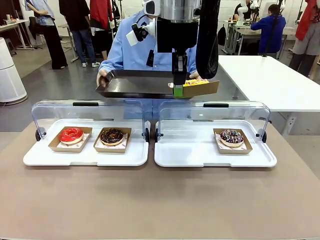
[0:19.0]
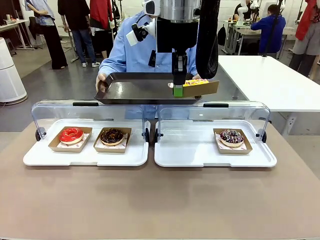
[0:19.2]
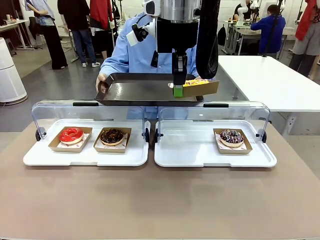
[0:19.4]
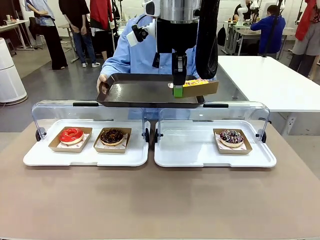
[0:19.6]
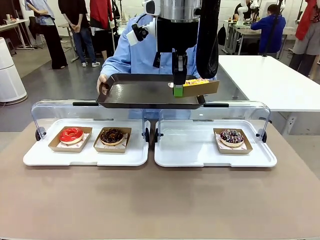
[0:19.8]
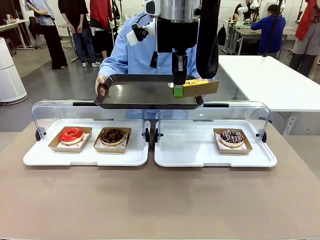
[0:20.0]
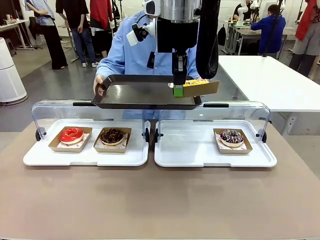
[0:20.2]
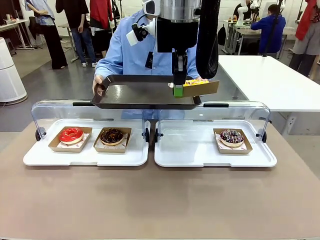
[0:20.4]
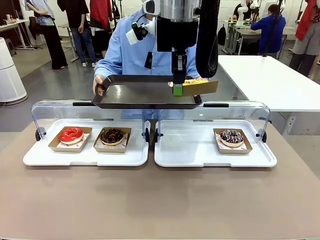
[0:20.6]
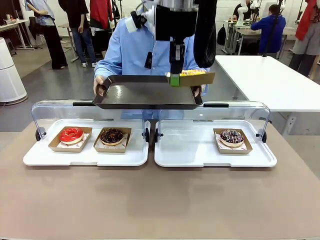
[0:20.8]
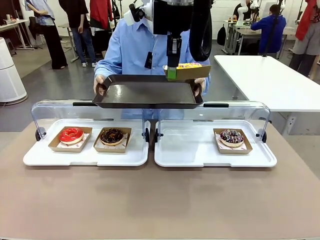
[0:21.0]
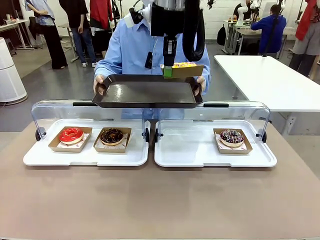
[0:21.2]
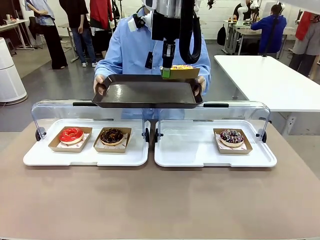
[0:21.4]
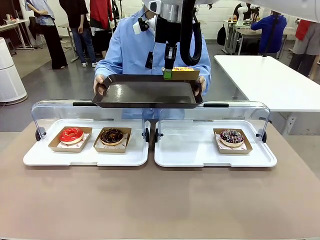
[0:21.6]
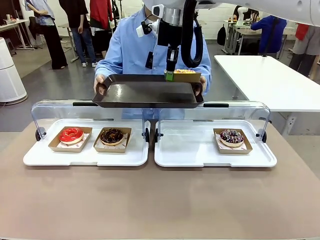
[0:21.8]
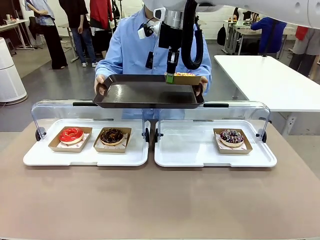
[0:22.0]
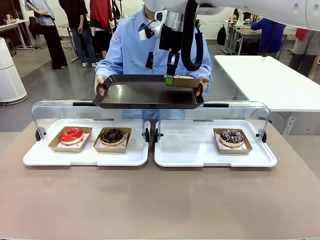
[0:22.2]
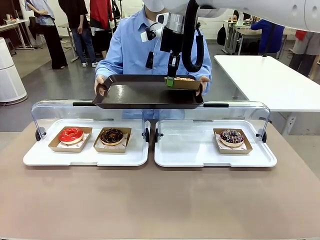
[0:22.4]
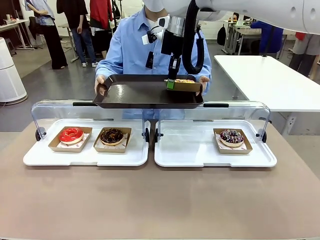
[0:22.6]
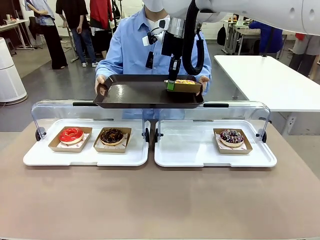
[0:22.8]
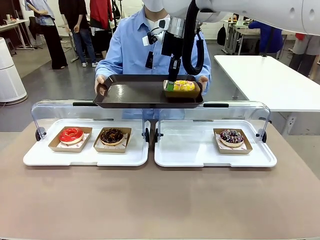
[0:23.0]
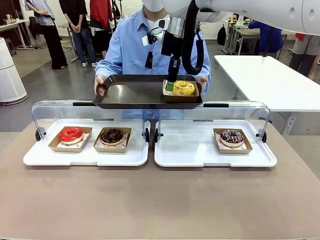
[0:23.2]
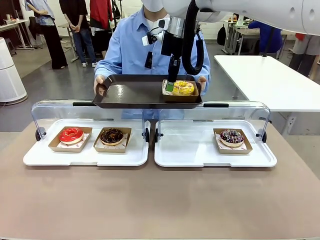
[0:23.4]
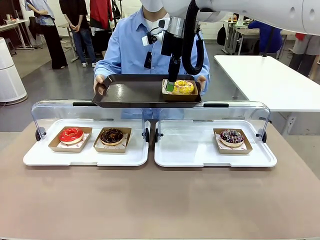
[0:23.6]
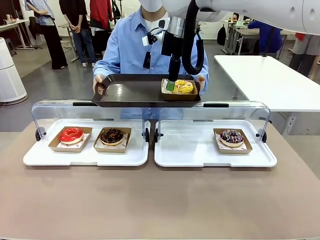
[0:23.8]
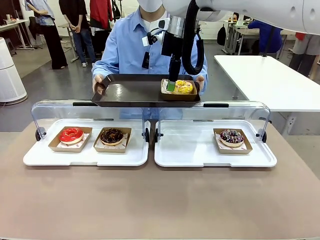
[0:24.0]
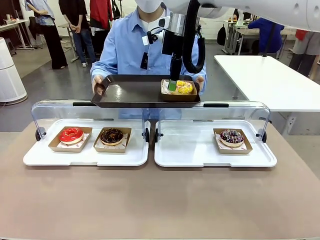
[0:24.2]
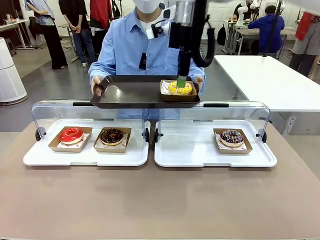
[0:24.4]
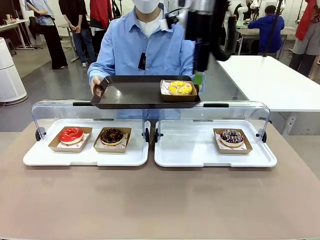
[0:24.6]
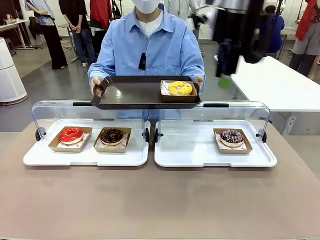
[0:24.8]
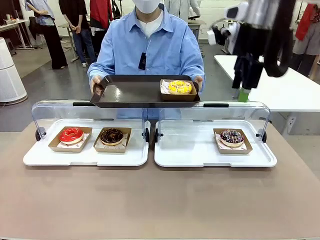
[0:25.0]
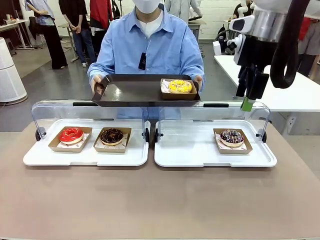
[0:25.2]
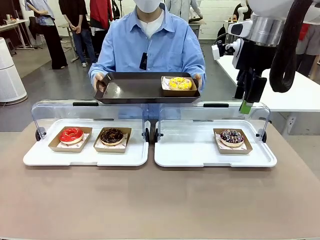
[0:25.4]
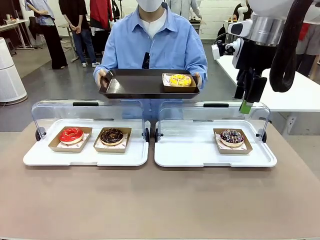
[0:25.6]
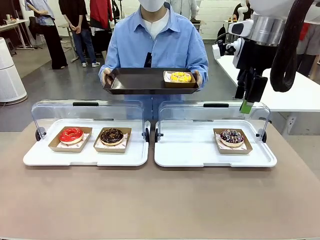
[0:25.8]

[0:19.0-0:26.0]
Task: Provide the desired donut to the person.
Robot: Place the picked Paper togo box onto the Handle tray extended by the person.

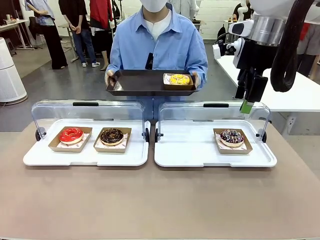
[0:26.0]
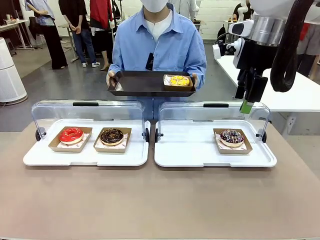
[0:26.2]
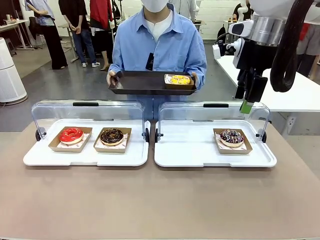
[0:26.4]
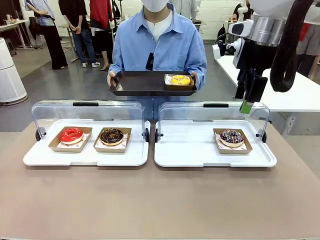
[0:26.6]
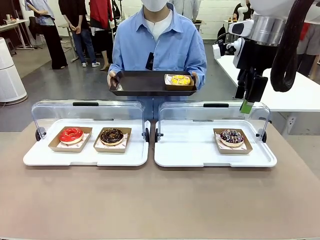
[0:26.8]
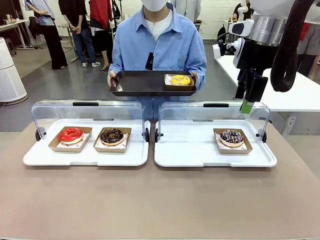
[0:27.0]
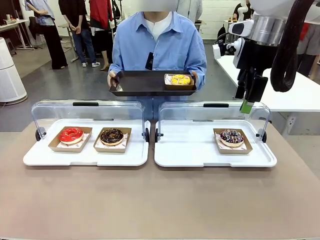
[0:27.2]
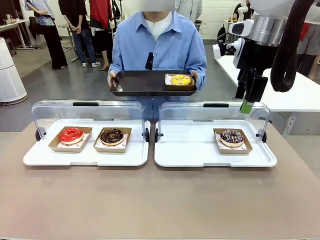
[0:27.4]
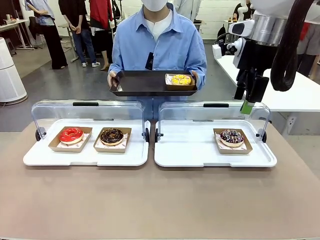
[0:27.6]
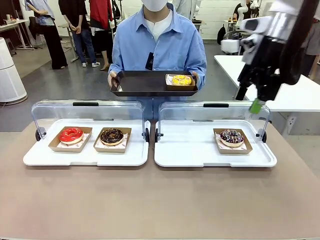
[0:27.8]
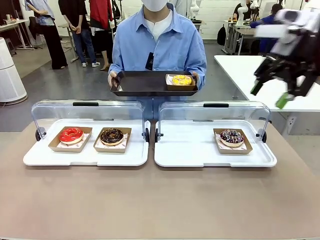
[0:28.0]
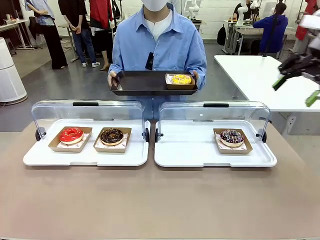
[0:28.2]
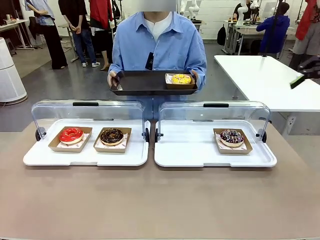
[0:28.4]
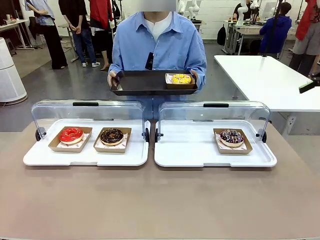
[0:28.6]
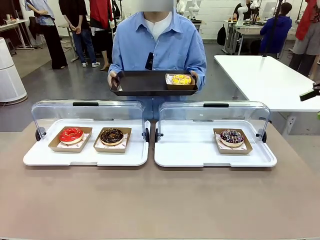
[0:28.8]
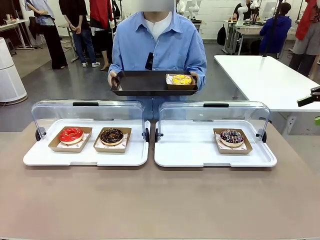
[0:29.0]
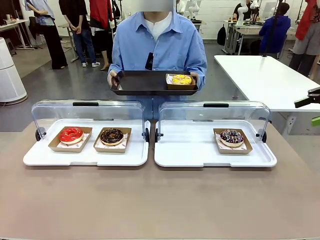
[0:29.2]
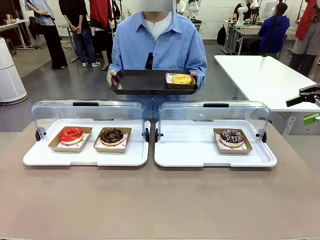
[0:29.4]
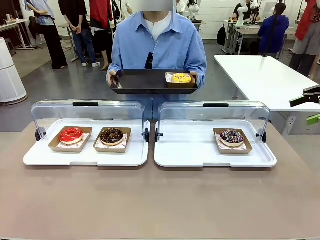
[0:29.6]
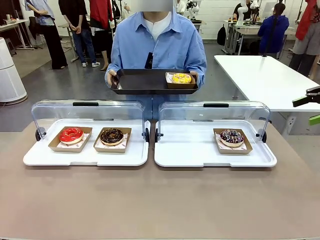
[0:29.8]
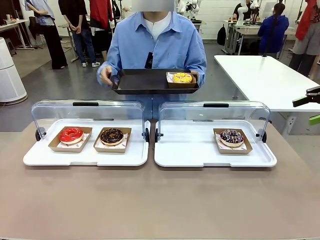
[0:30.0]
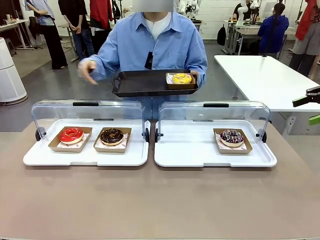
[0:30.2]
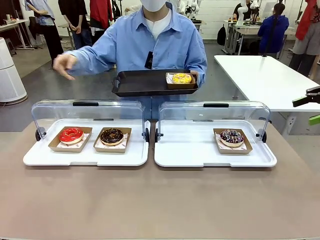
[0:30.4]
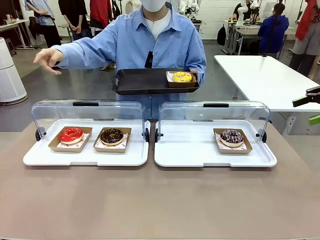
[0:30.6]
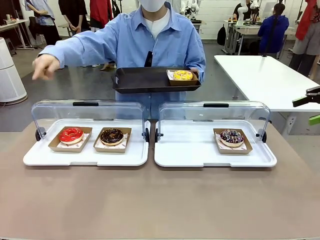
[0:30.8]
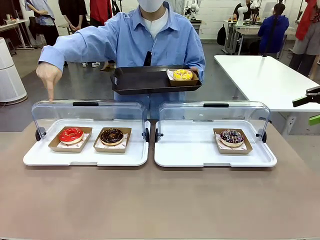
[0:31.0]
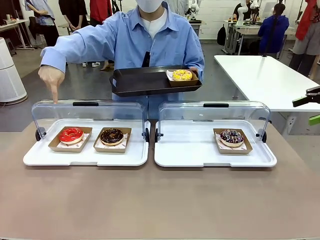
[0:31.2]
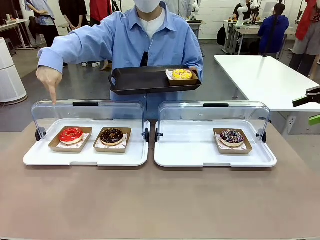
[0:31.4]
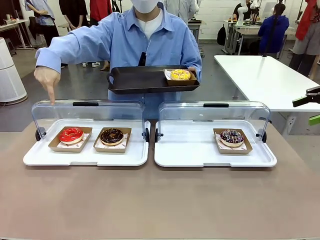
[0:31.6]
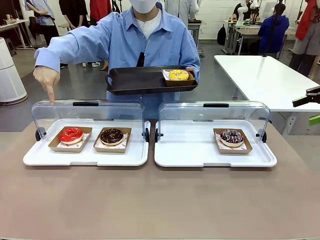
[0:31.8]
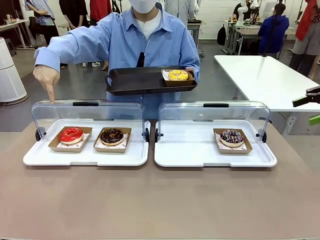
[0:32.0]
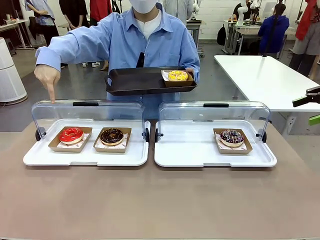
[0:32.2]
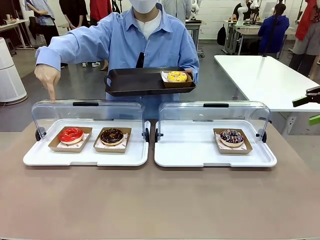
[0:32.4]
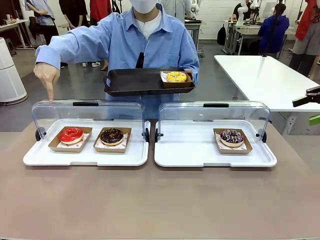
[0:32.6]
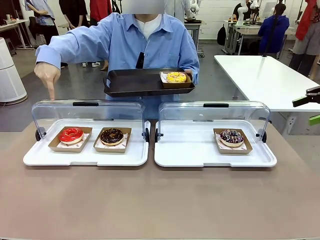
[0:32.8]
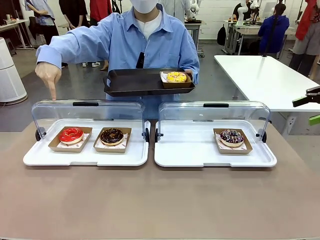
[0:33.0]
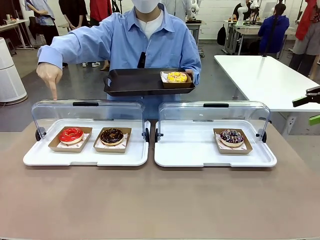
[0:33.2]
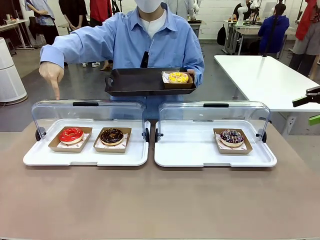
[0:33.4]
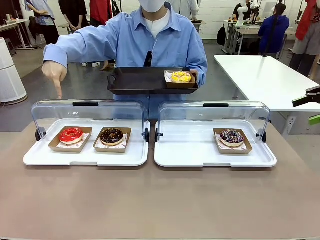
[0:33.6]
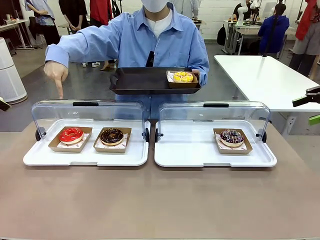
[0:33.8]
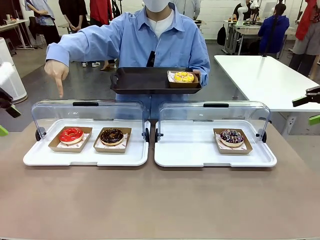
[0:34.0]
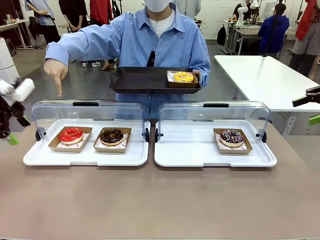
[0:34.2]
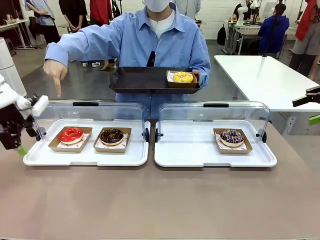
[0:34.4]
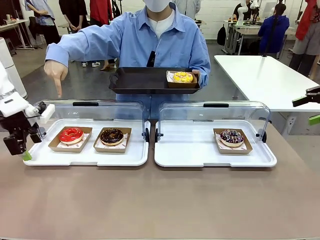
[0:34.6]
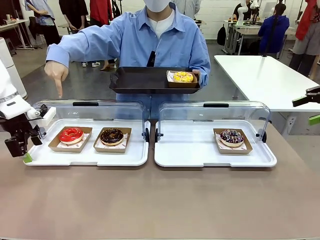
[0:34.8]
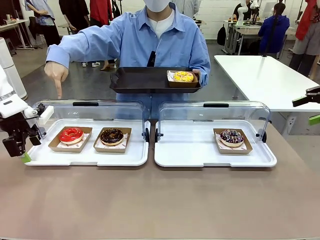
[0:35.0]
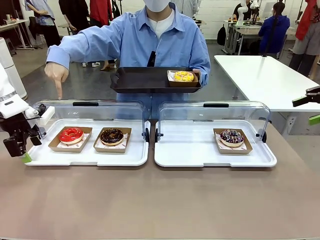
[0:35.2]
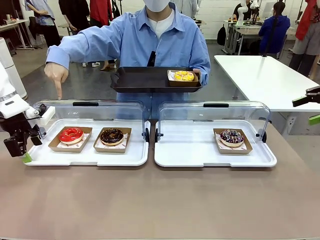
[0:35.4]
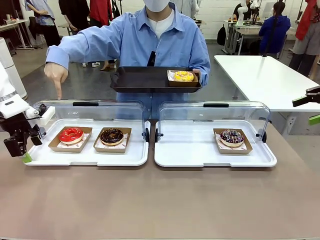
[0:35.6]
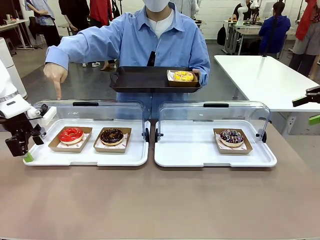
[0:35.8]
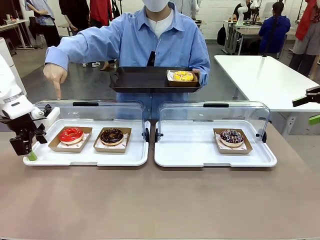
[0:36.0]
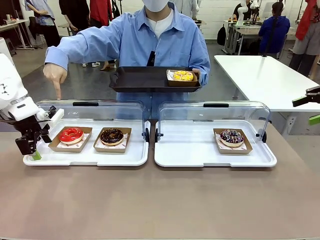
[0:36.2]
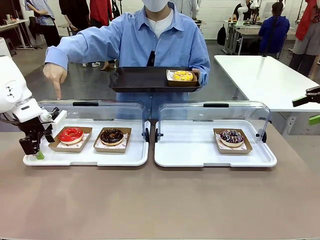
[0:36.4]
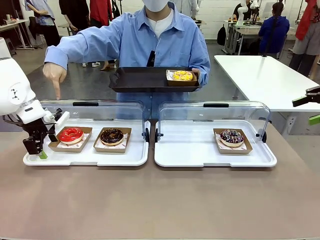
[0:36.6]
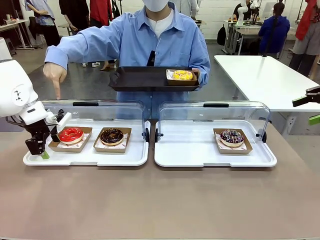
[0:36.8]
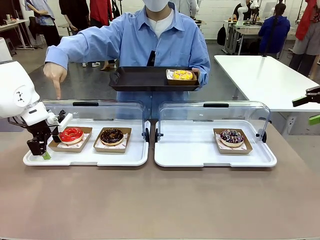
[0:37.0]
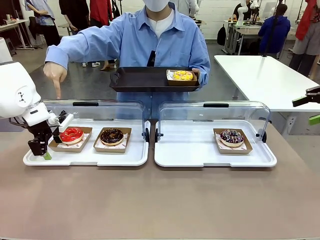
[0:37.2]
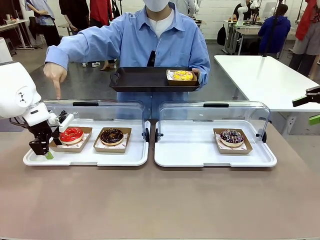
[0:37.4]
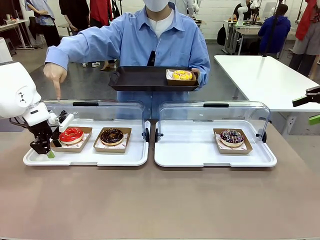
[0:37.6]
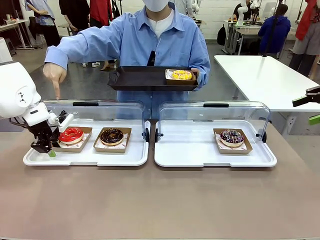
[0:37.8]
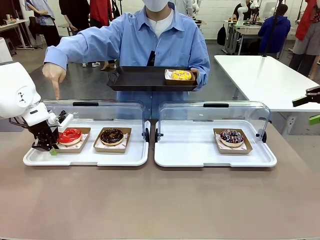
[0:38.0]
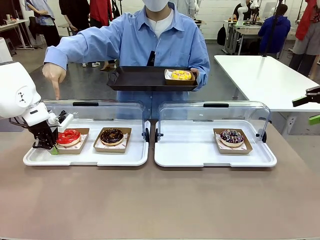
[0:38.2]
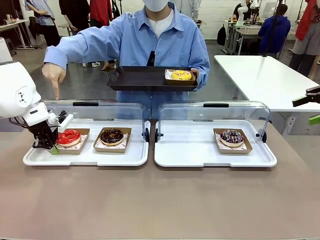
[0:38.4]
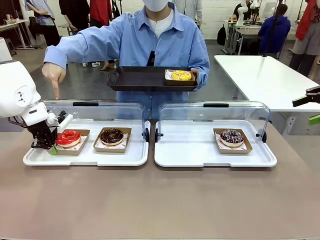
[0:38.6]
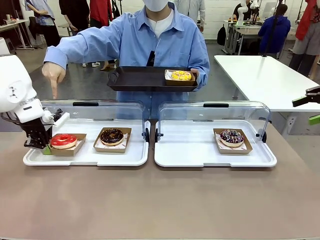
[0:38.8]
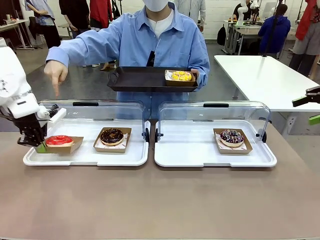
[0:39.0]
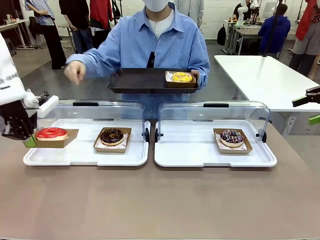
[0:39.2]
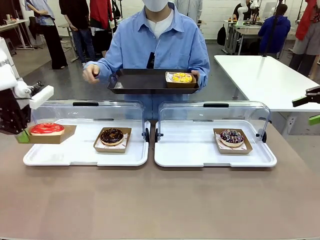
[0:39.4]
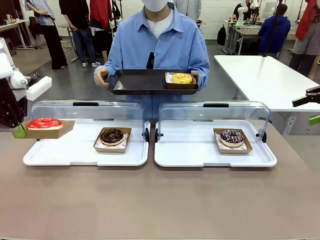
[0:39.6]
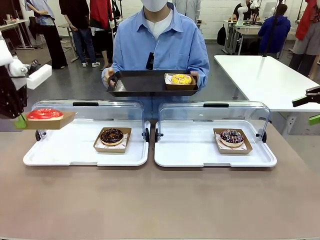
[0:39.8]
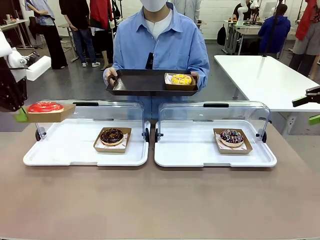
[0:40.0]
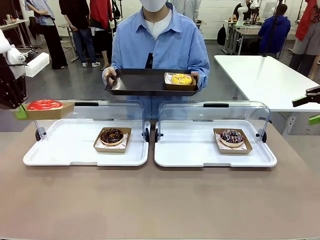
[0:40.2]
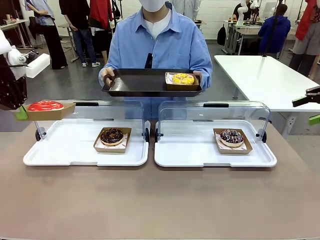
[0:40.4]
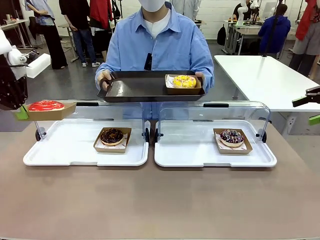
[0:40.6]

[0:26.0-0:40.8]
Robot: Pick up and lift the Paper togo box containing the Donut pointed at by the person.
Person: Point to one donut. Lift the tray onto the Roll-Top Bakery Case.
